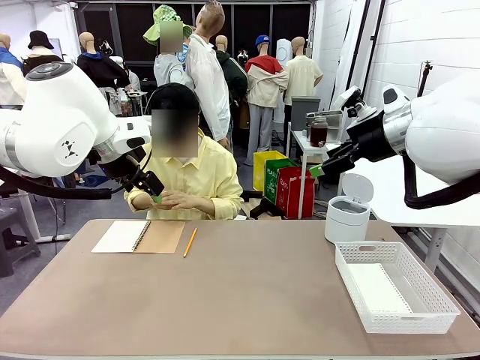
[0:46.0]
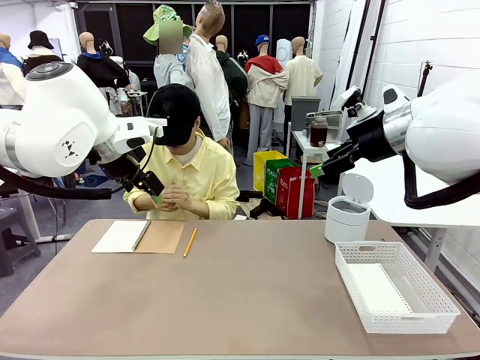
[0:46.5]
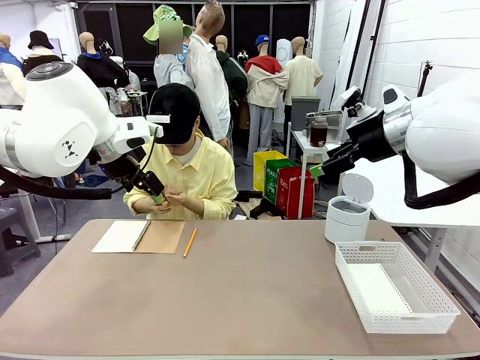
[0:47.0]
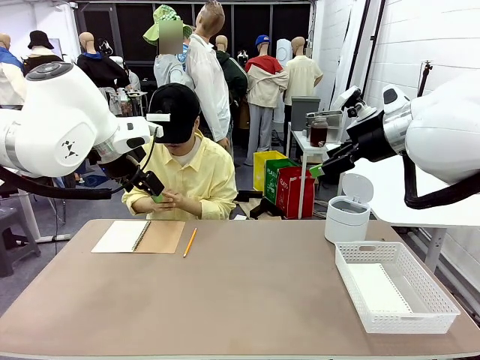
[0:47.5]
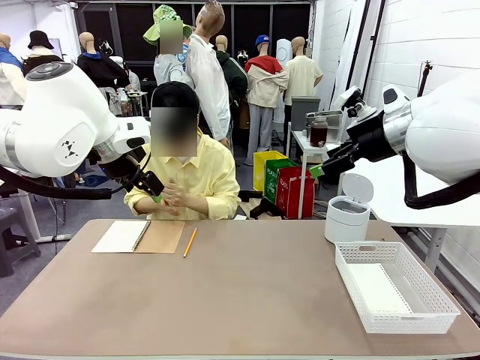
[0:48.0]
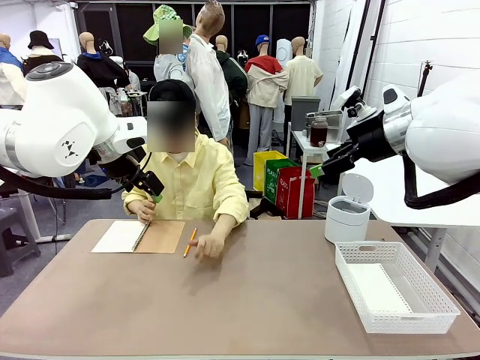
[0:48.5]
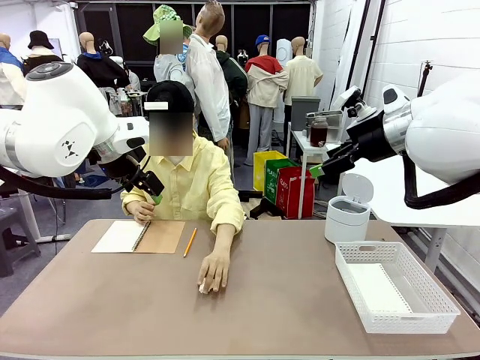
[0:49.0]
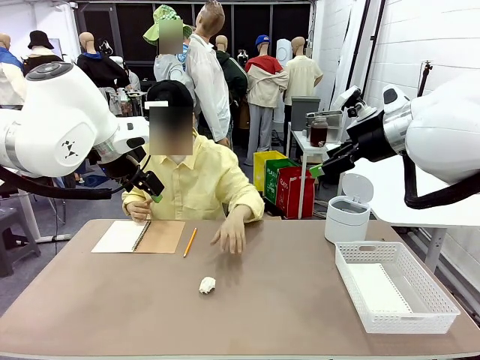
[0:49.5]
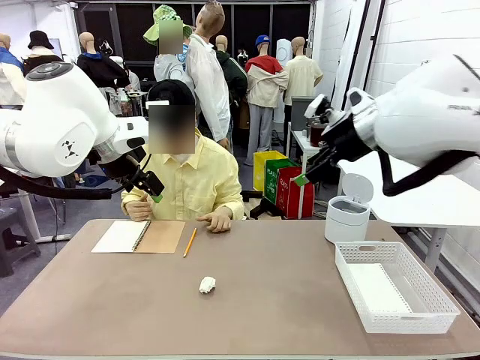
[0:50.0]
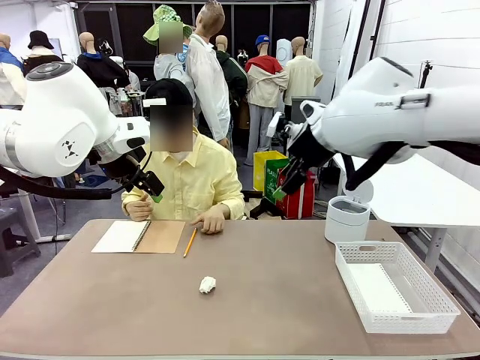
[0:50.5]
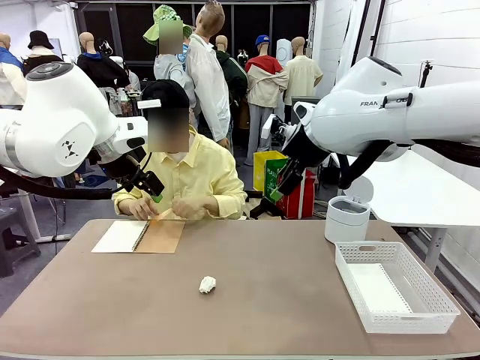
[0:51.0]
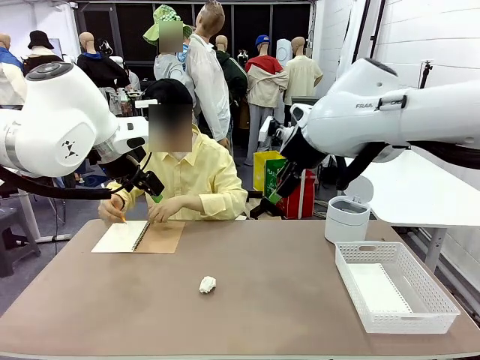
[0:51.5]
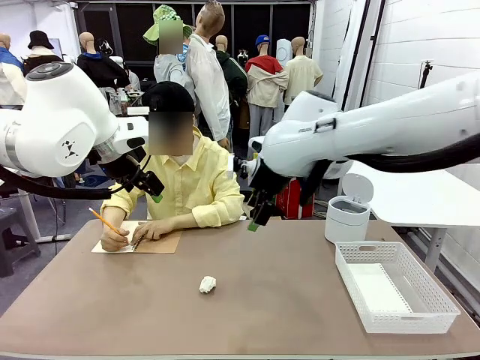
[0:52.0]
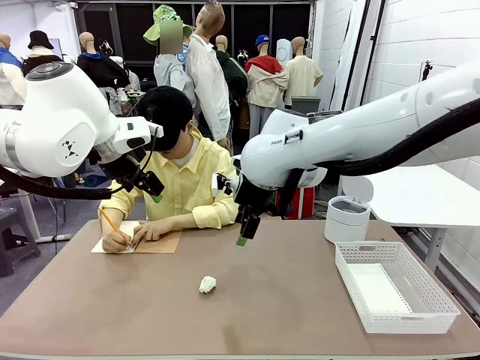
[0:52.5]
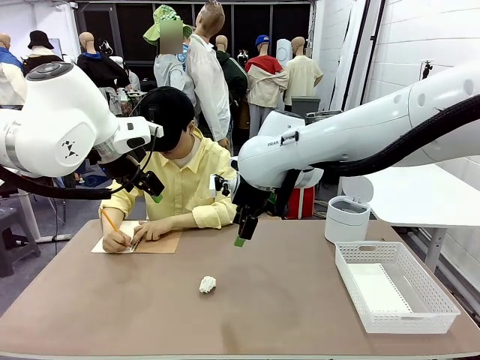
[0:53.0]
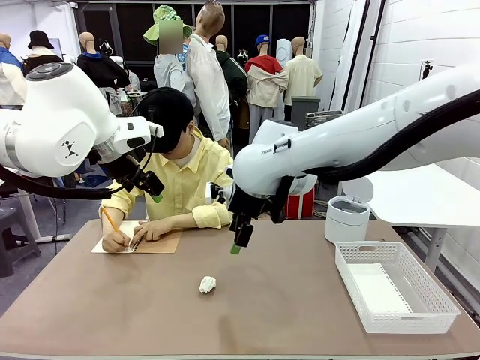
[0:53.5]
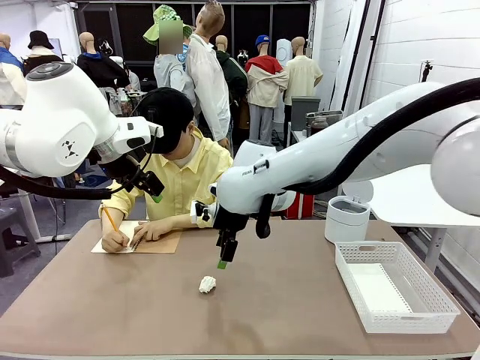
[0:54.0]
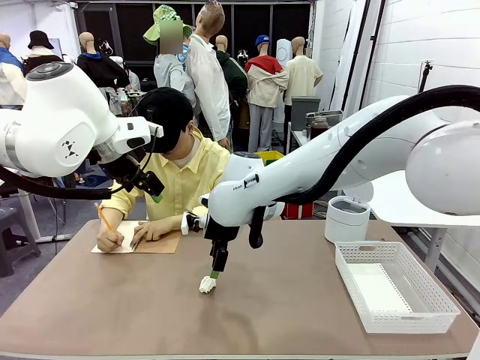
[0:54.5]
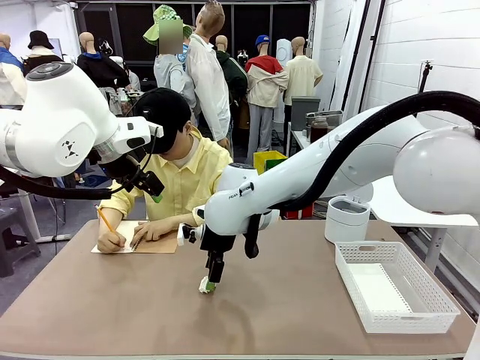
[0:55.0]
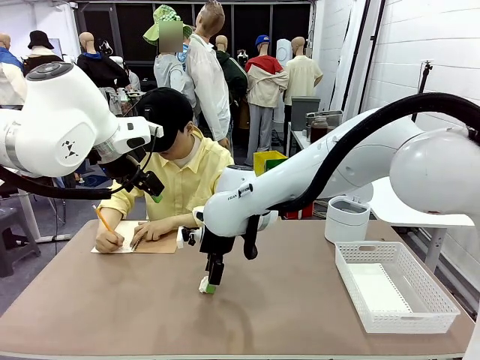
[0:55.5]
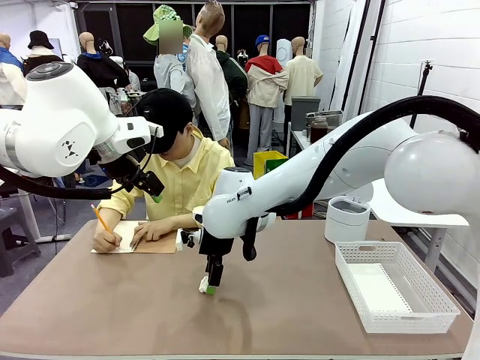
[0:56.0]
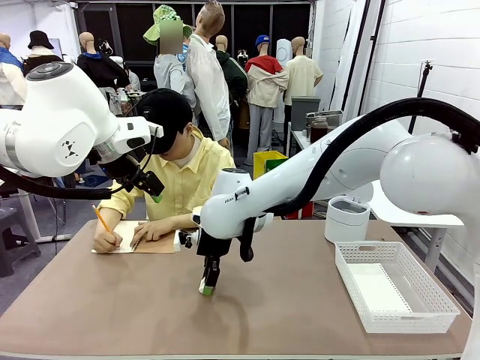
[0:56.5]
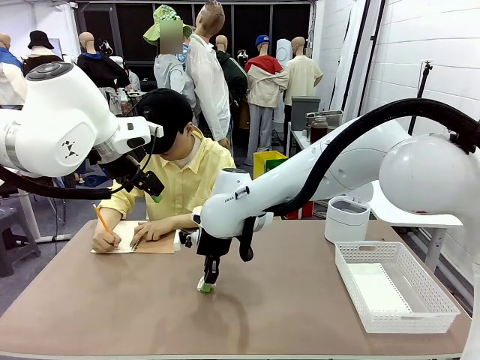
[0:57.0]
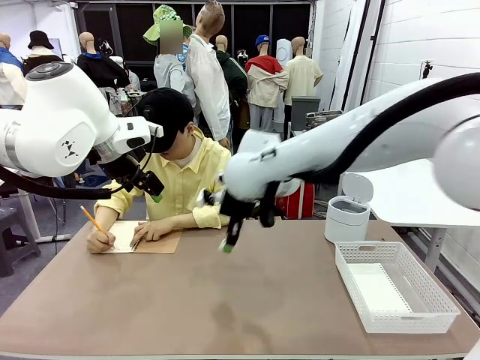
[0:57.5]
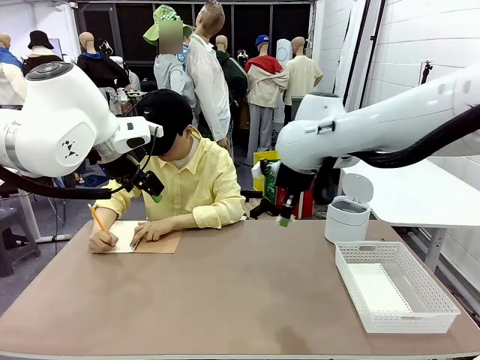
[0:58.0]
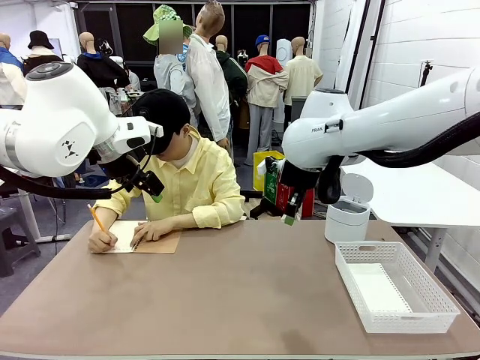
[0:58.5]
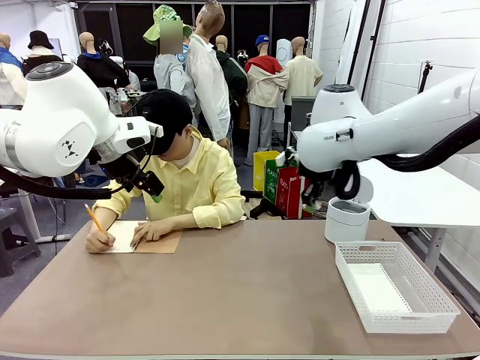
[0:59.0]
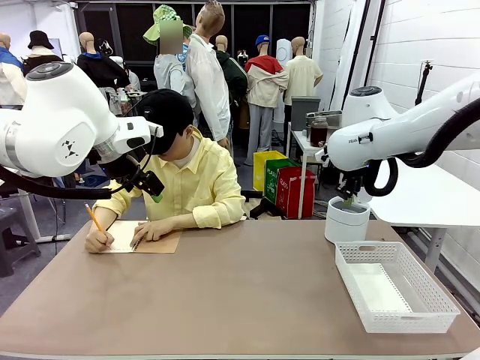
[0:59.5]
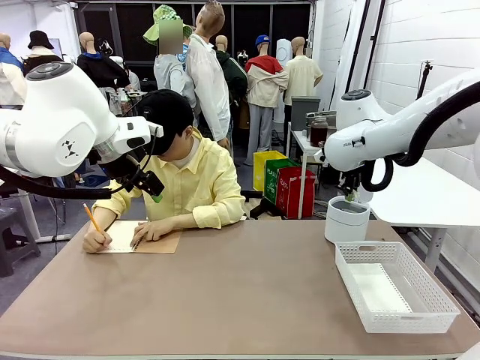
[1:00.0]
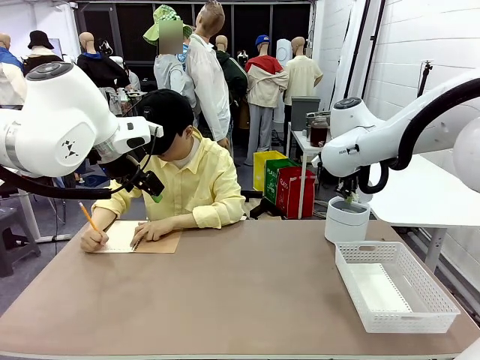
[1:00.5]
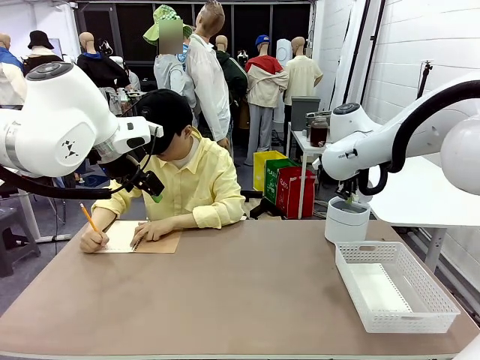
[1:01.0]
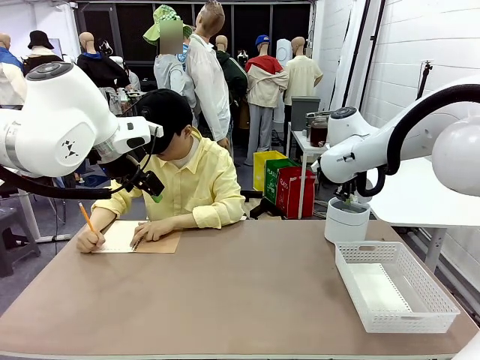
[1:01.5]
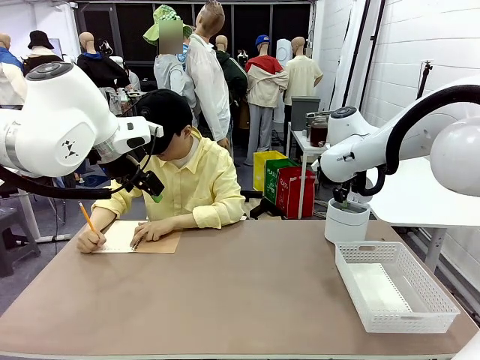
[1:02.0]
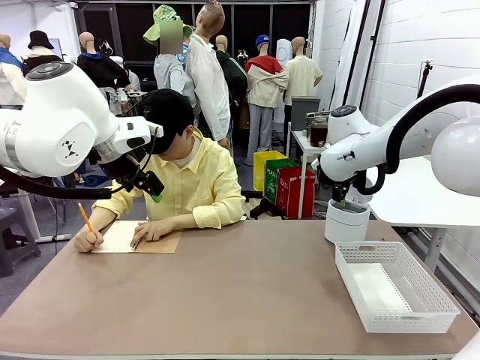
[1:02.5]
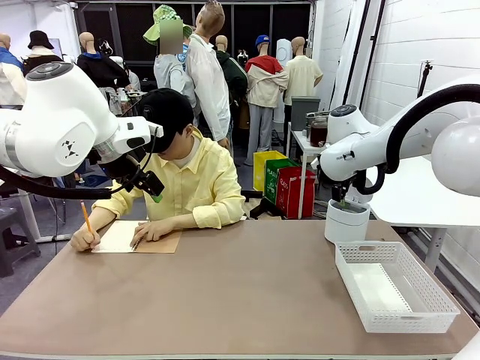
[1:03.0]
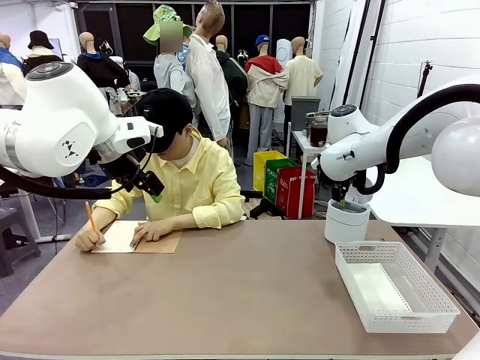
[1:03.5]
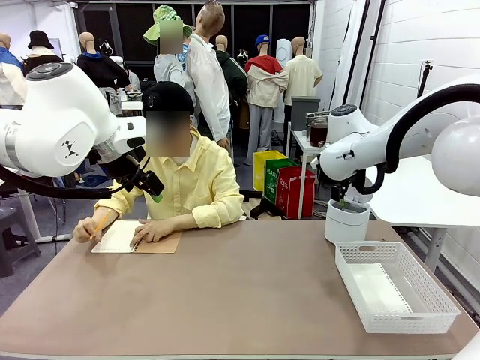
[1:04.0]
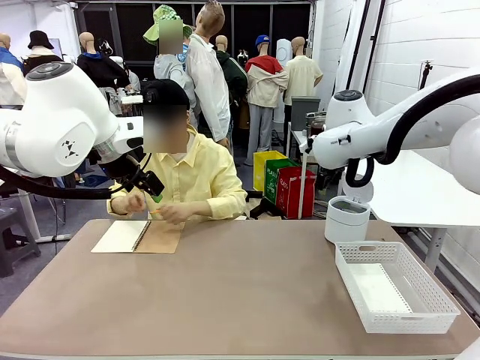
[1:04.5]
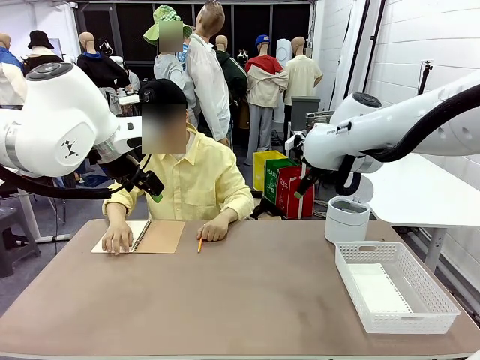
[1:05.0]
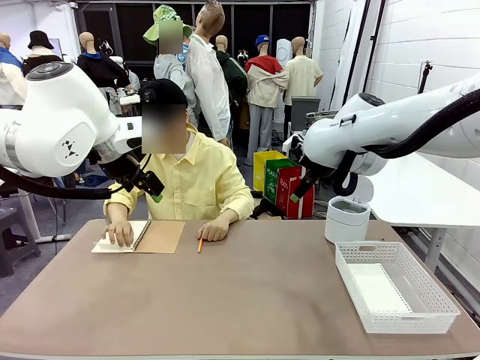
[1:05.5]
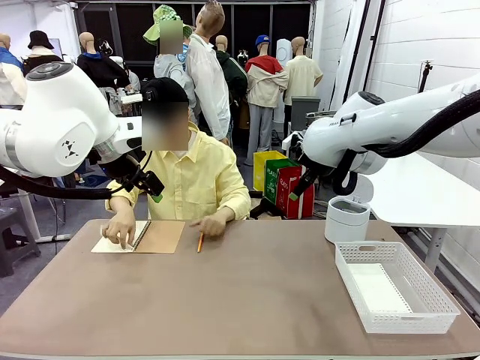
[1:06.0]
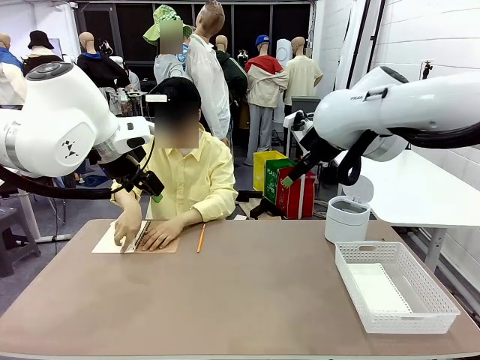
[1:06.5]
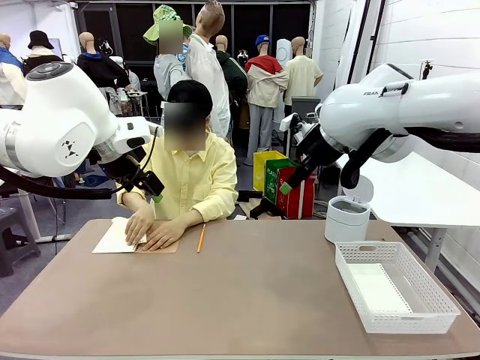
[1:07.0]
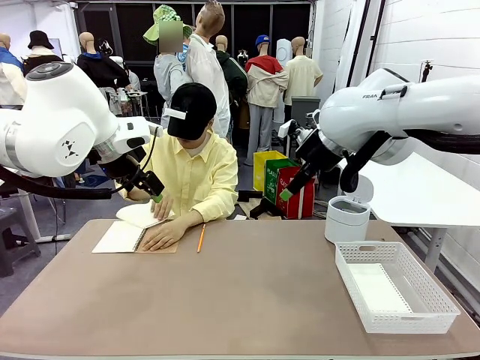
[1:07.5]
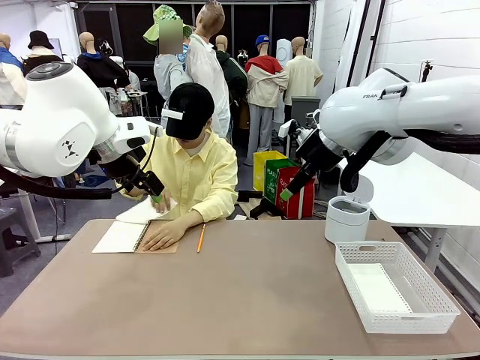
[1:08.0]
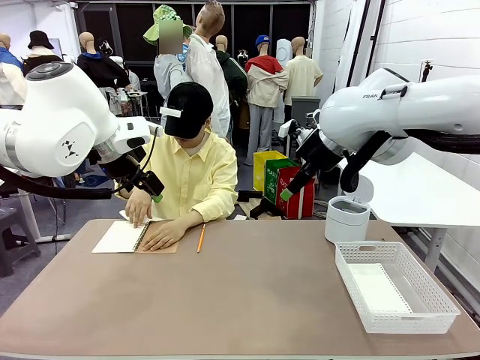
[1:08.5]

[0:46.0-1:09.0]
Task: Sort the paper based on its condition.
Robot: If a person hands you a paper, place it in the Organizing basket , and if it's crumpled, put it in the Trash can.
Person: Hand the torn page to the robot or crumple it and throw it to the center of the table. Tear out a page from the spiral notebook.

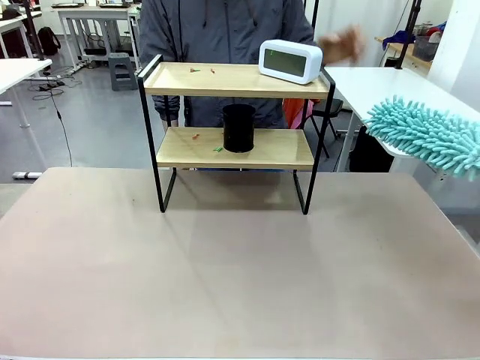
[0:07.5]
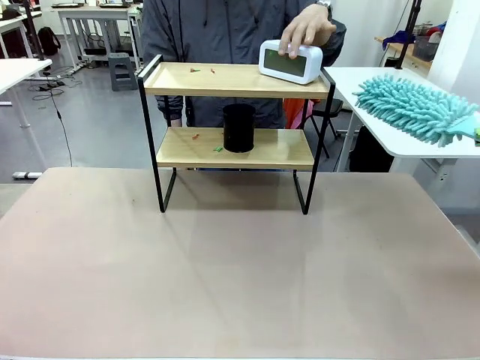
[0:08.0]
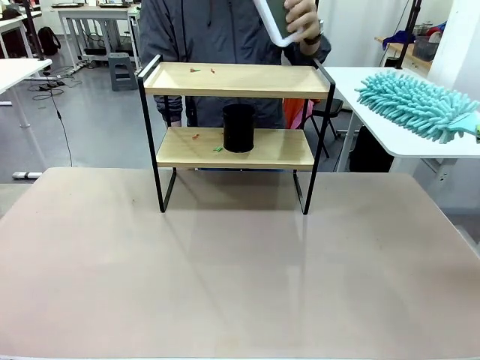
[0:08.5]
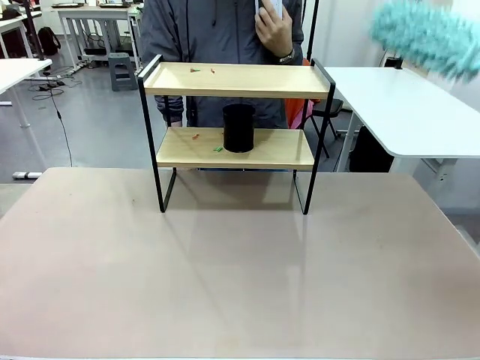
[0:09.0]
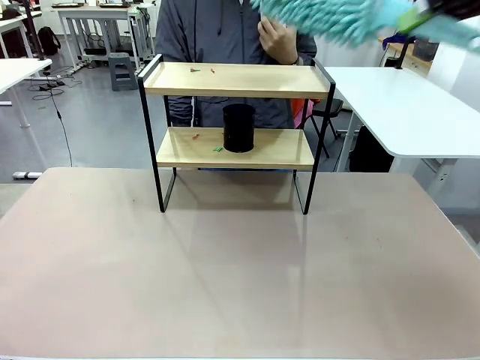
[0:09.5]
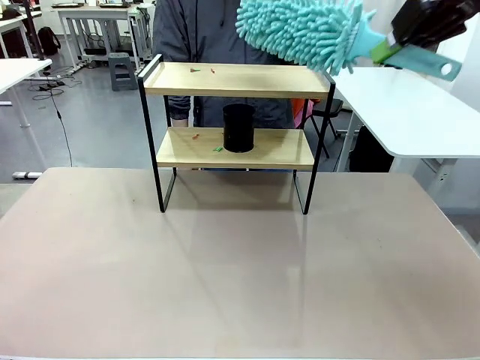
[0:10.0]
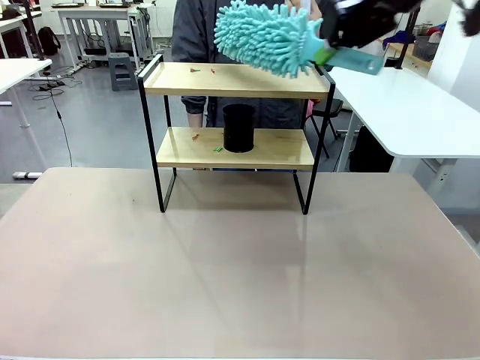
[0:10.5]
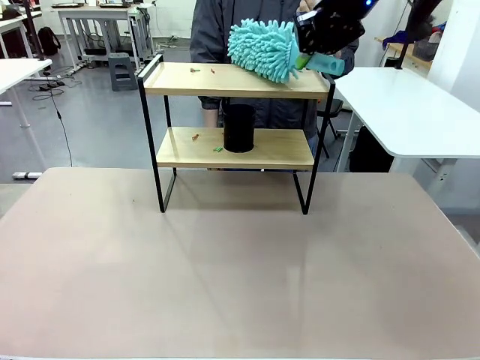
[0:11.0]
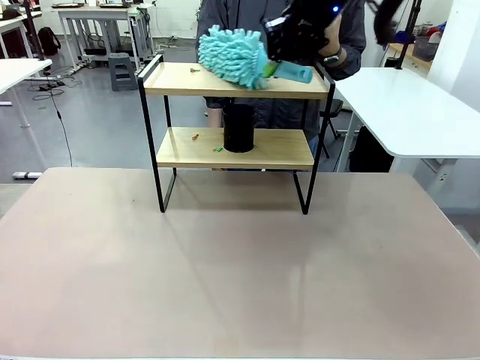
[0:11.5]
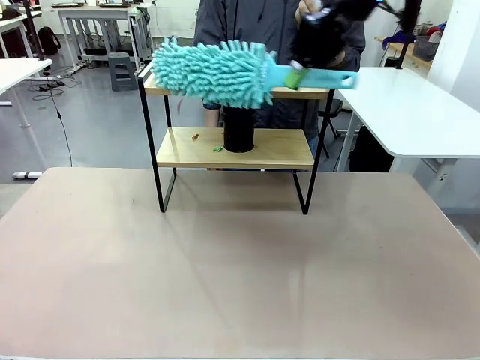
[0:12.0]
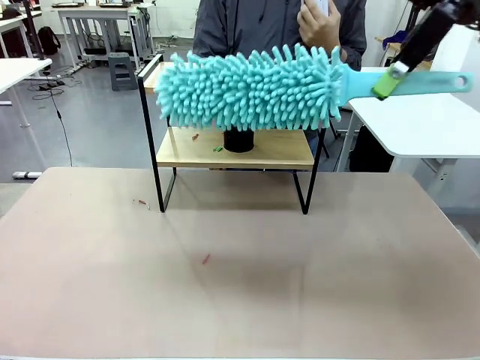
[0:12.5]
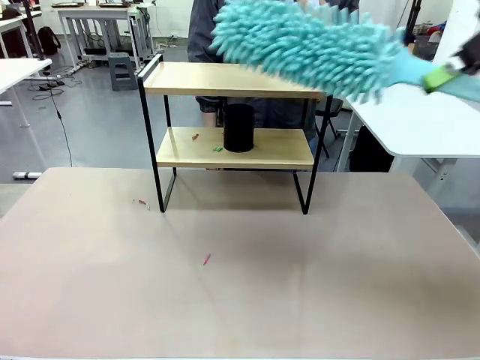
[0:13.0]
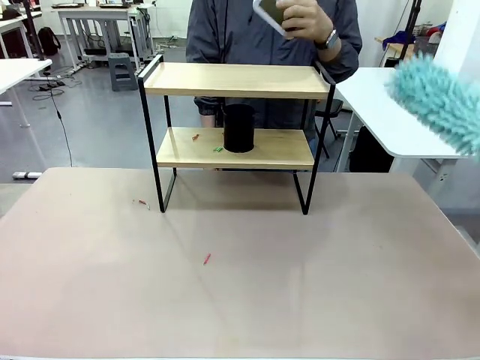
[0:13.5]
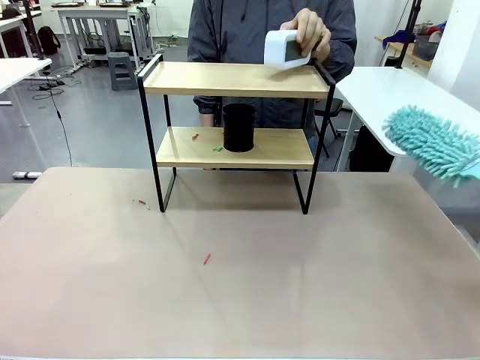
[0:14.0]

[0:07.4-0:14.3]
Task: Clean the shelf.
Robot: Clean the specific tier of the Shelf with the Duster once objects are removed.
Person: Lift the objects on a randomly selected tier of the Shelf. Once the robot finishes cleaning, lift the objects on the remaining tiers of the Shelf.
